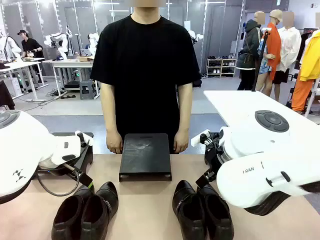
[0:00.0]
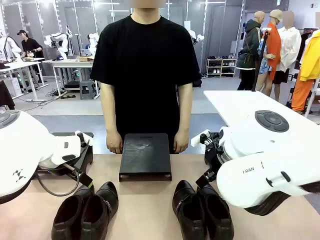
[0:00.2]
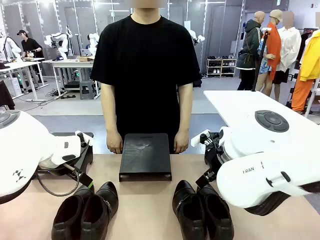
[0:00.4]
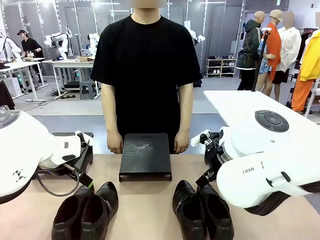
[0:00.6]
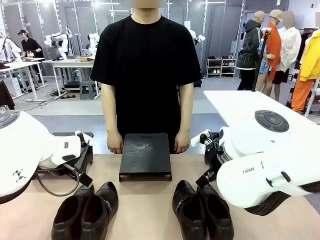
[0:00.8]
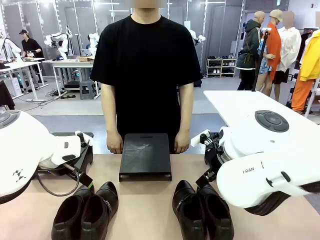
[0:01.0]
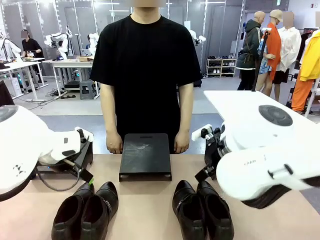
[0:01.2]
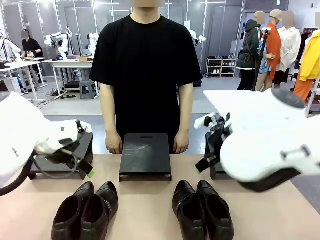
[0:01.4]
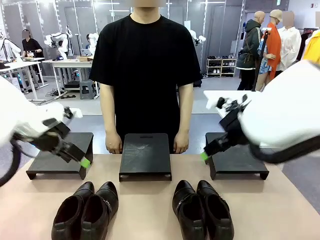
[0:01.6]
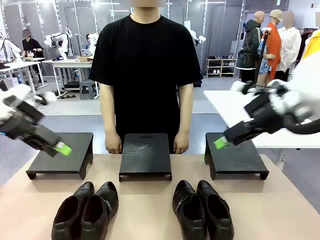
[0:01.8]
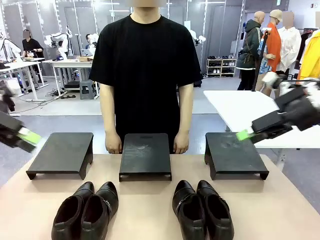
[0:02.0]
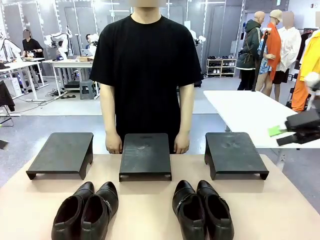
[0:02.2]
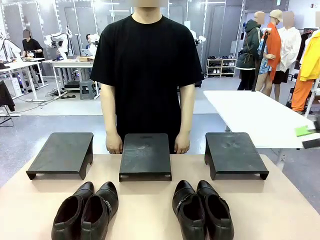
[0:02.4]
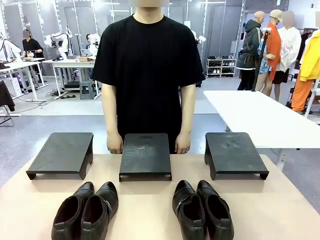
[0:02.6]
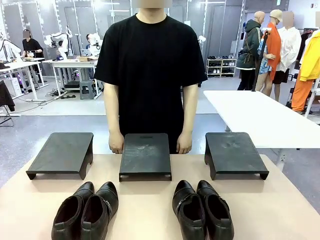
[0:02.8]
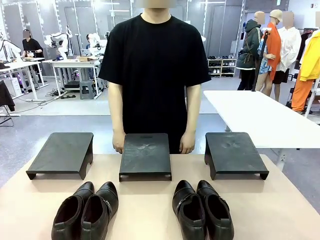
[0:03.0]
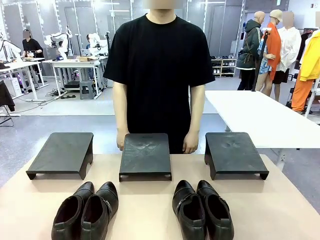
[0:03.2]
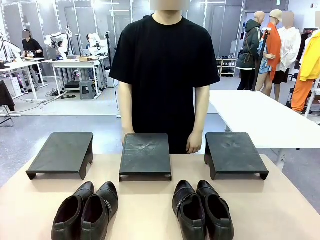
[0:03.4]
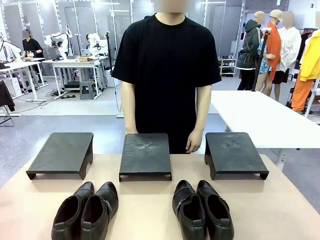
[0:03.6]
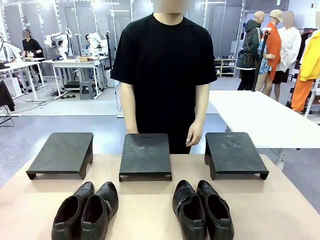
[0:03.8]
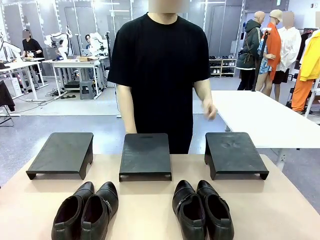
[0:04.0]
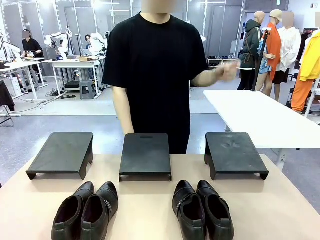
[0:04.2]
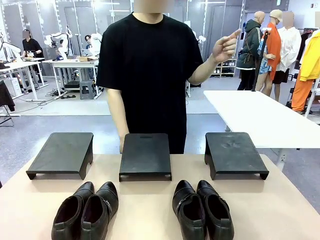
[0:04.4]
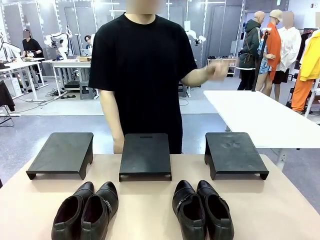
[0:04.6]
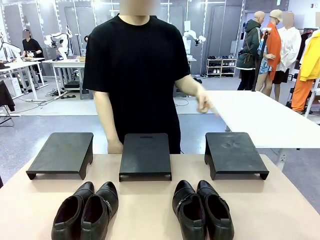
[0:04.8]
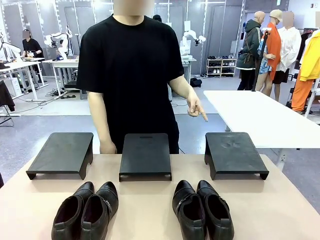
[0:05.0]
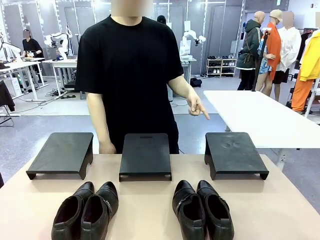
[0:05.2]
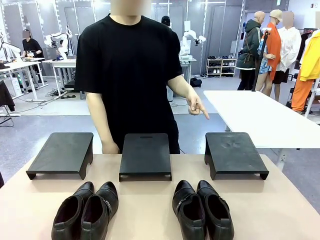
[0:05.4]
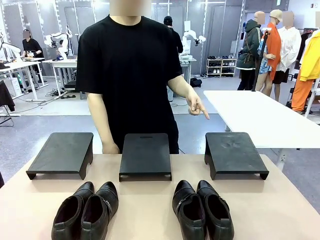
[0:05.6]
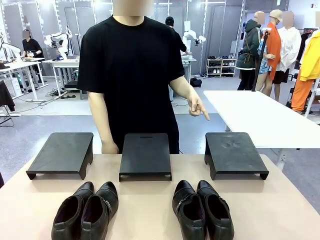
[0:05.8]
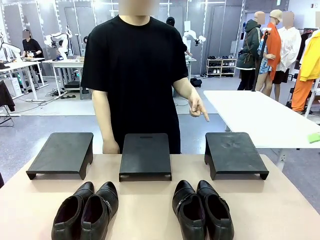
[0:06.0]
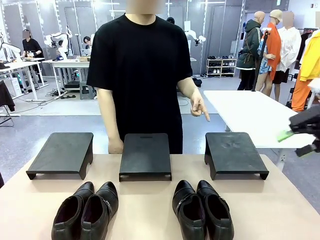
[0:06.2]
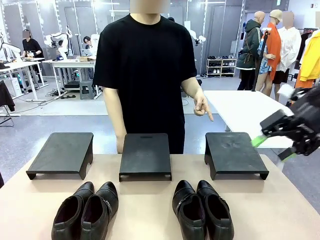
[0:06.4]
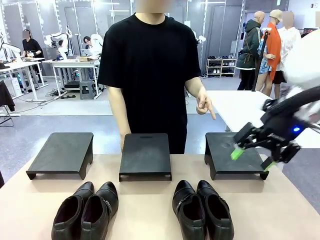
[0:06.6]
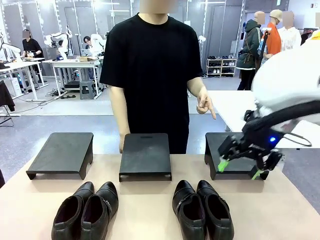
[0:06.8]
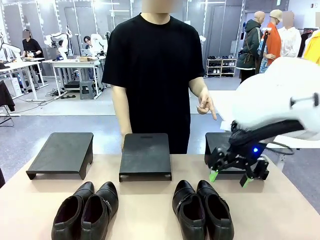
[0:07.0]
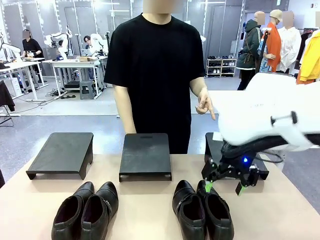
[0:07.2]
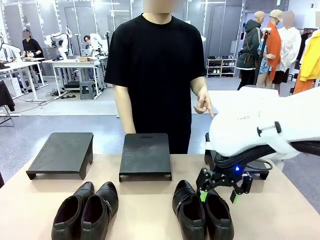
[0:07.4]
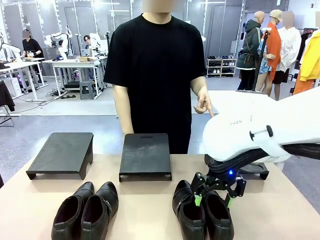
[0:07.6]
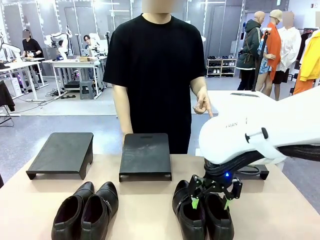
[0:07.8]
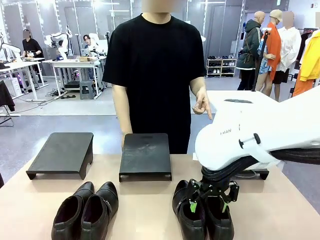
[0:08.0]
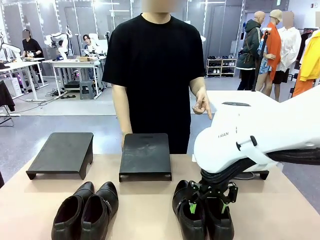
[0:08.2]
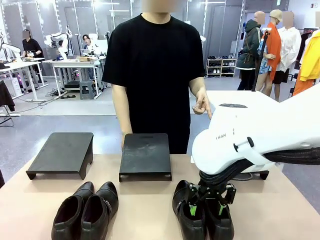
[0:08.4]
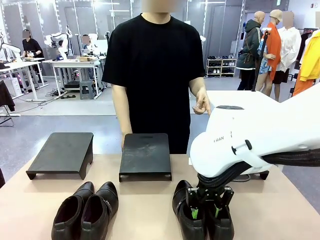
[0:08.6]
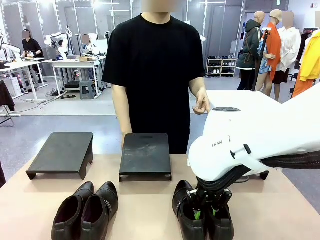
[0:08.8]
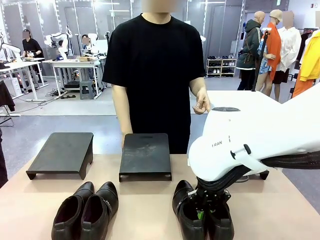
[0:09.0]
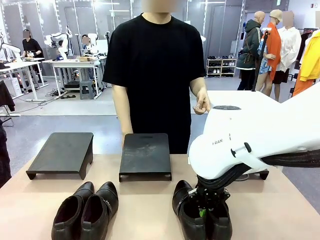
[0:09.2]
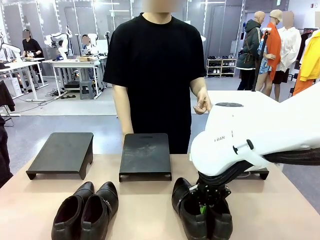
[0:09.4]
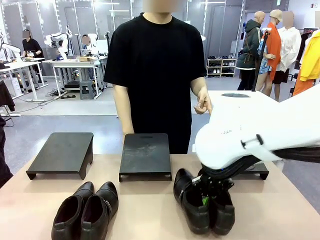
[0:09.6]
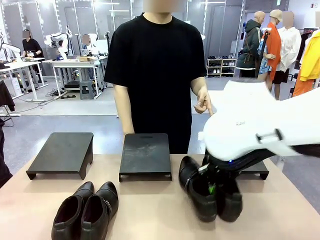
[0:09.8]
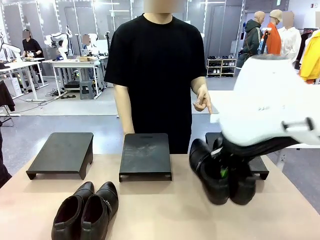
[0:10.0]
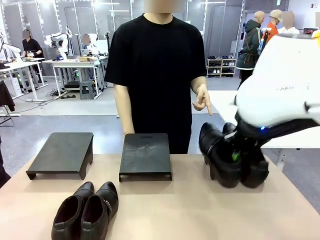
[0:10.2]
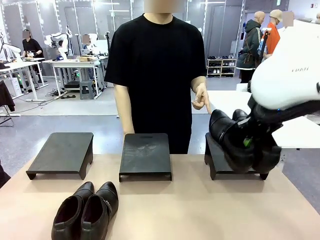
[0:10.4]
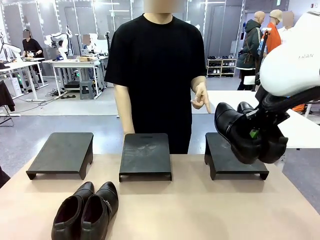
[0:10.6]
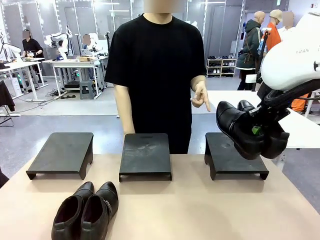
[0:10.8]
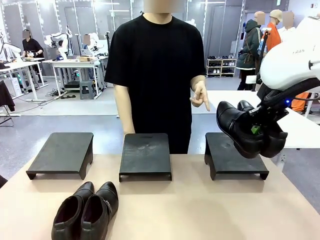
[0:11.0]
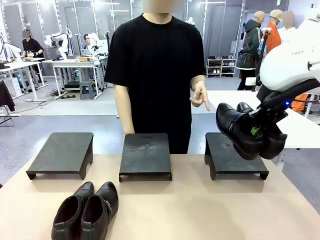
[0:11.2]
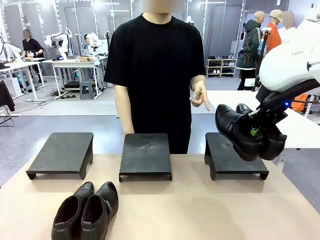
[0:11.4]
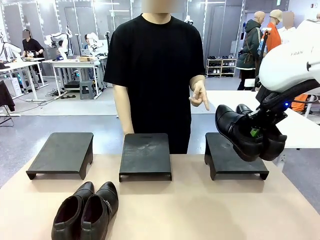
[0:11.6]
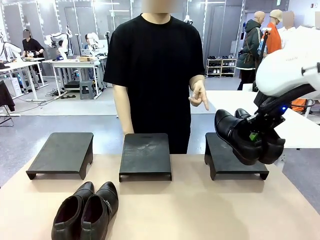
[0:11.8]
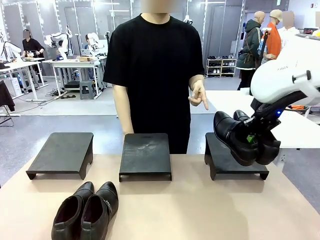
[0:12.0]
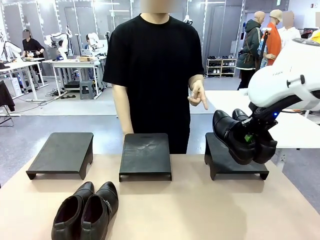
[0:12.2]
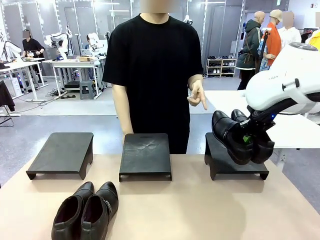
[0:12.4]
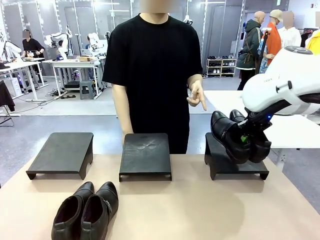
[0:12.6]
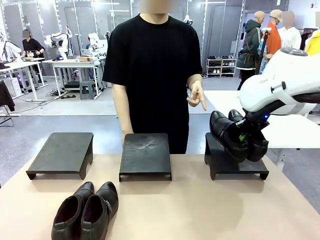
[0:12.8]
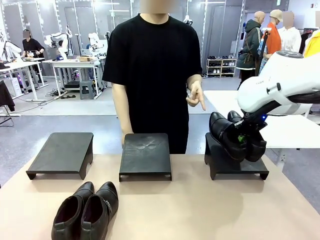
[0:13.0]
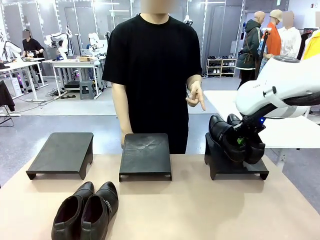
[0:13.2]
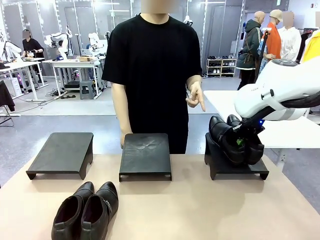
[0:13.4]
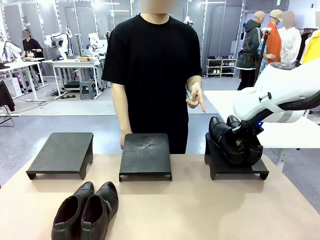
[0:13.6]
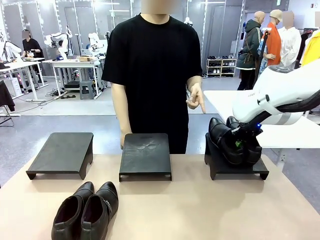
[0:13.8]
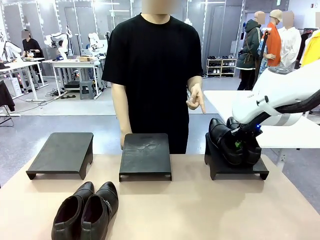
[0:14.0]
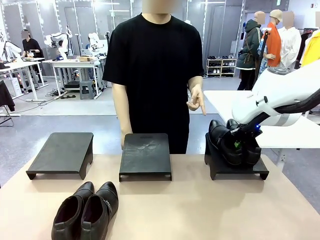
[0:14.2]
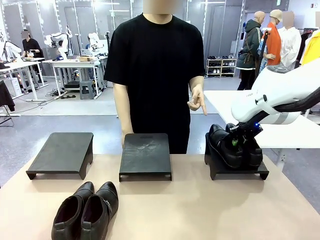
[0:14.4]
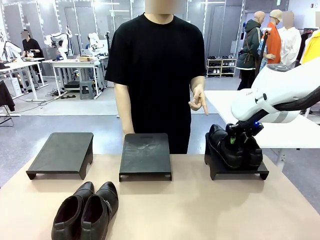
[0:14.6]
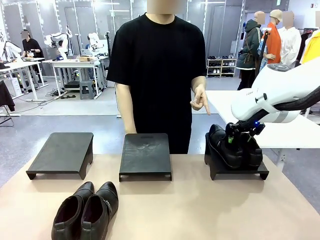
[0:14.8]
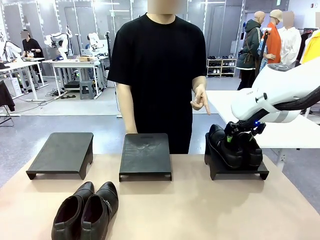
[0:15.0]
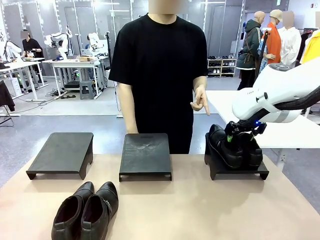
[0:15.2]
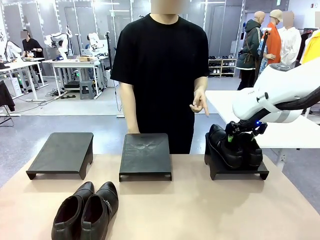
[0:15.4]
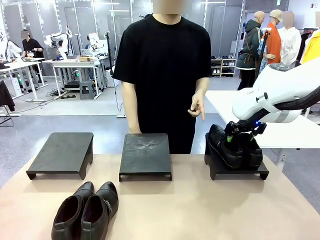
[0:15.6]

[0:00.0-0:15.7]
Task: Place the shoes on the stand as instructed by the person.
Robot: Pick up one pair of Shoes and place it on the Shoes Stand indicated by the person.
